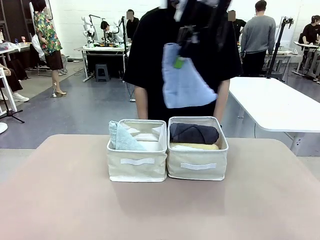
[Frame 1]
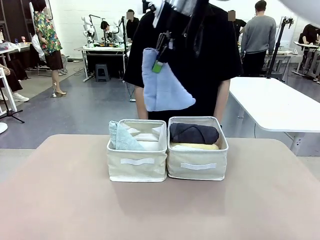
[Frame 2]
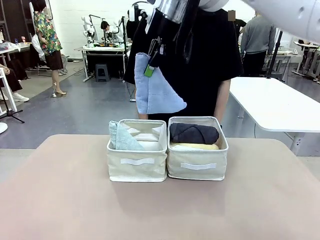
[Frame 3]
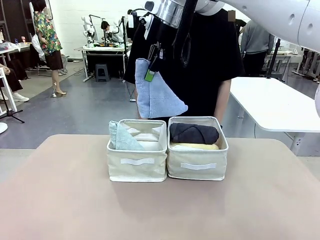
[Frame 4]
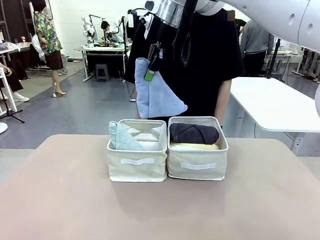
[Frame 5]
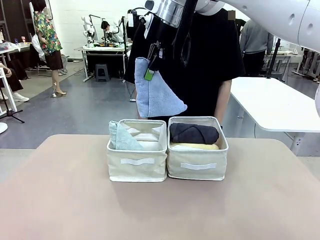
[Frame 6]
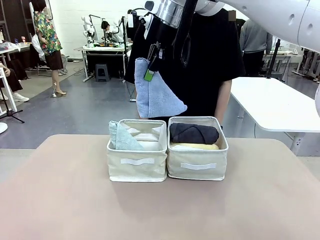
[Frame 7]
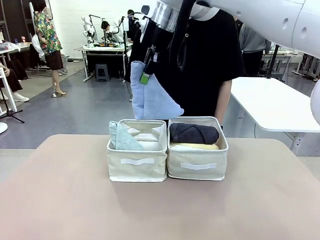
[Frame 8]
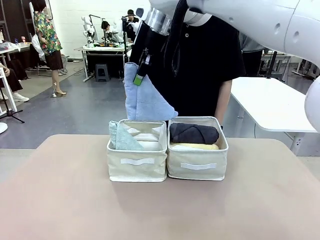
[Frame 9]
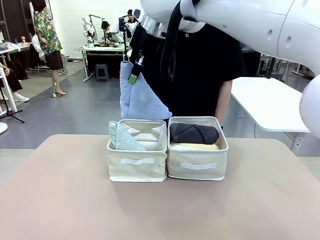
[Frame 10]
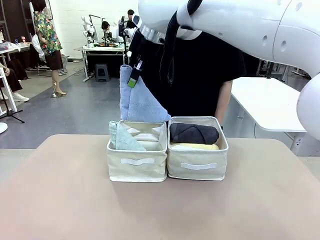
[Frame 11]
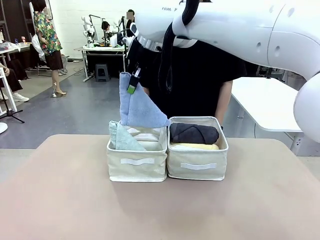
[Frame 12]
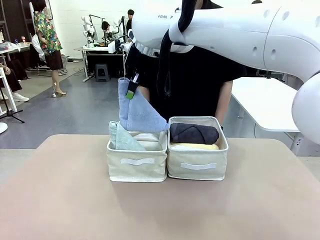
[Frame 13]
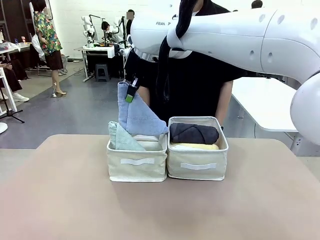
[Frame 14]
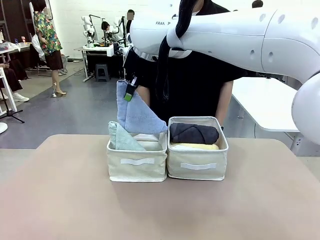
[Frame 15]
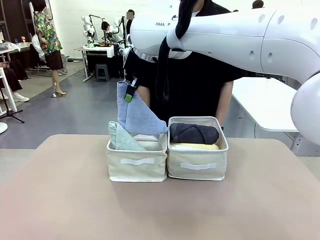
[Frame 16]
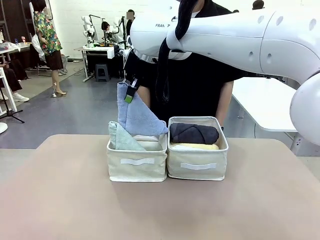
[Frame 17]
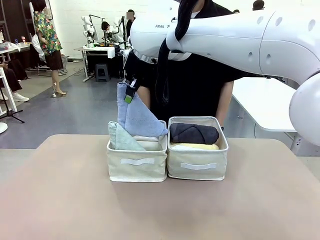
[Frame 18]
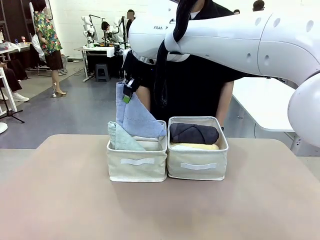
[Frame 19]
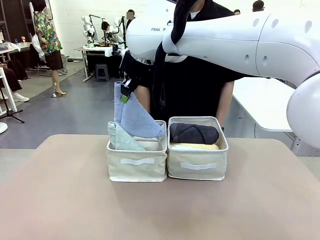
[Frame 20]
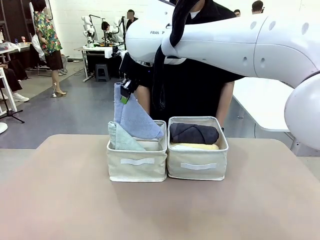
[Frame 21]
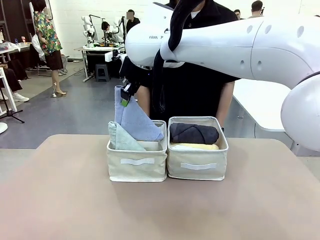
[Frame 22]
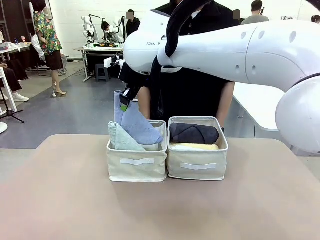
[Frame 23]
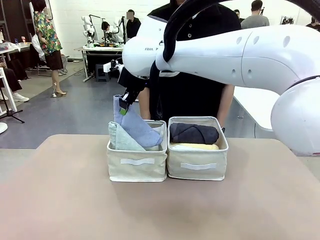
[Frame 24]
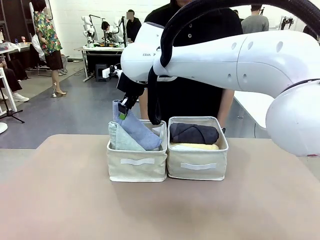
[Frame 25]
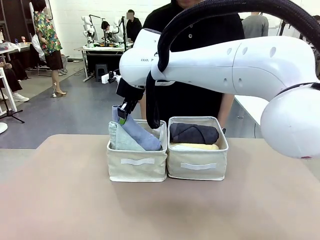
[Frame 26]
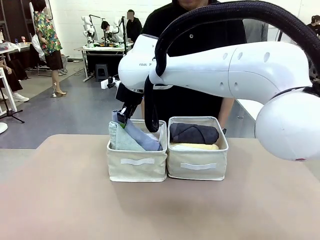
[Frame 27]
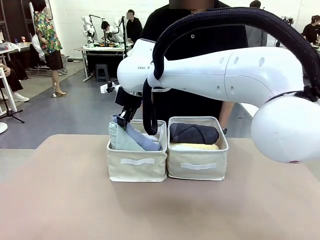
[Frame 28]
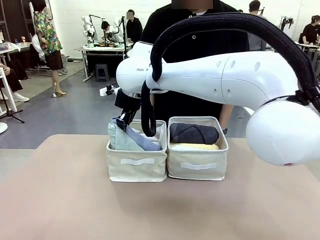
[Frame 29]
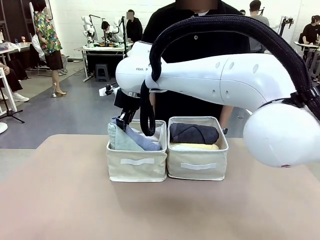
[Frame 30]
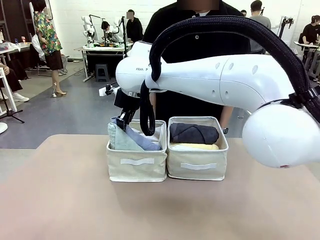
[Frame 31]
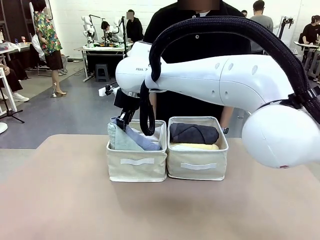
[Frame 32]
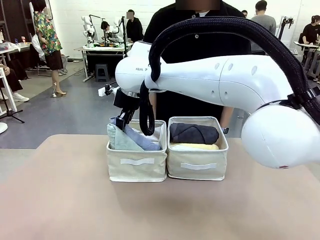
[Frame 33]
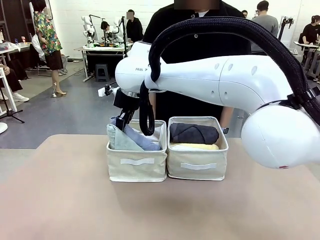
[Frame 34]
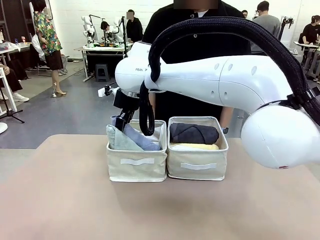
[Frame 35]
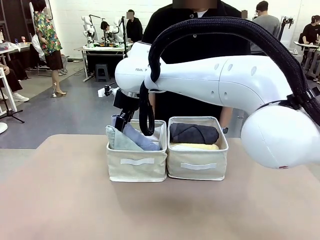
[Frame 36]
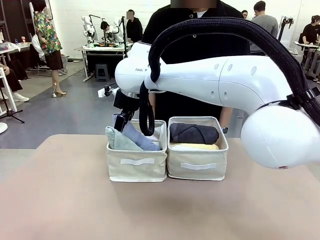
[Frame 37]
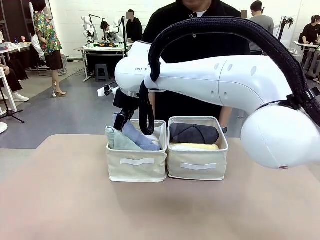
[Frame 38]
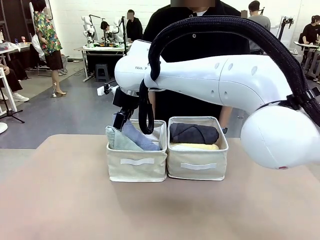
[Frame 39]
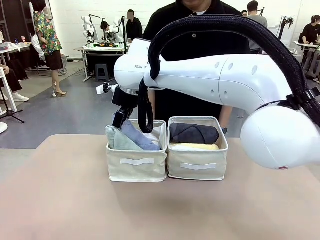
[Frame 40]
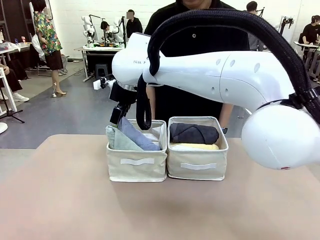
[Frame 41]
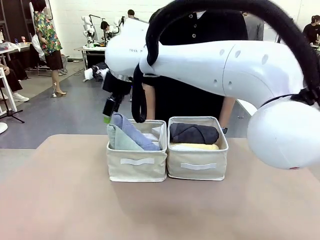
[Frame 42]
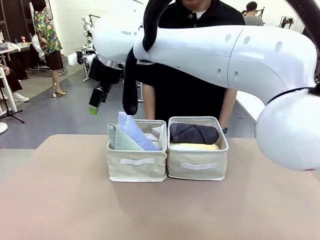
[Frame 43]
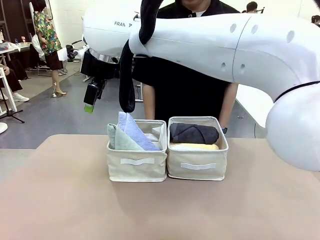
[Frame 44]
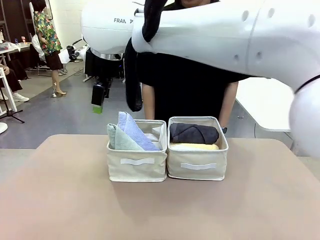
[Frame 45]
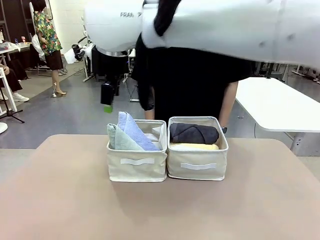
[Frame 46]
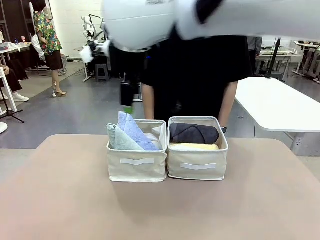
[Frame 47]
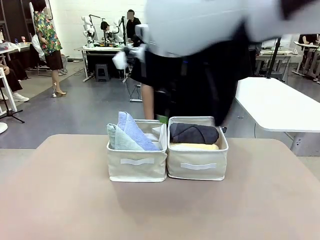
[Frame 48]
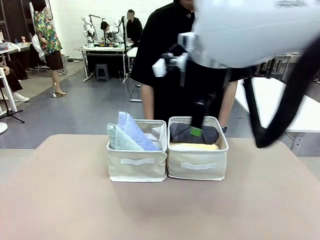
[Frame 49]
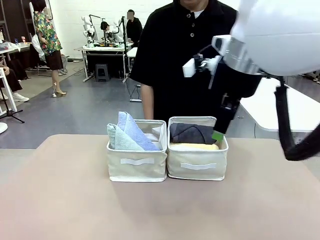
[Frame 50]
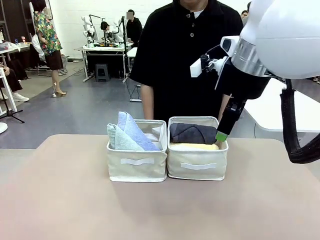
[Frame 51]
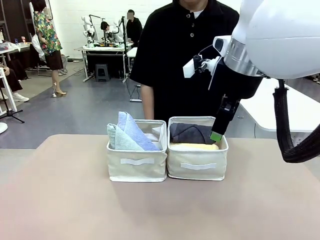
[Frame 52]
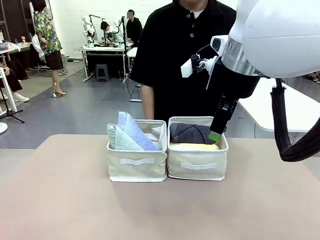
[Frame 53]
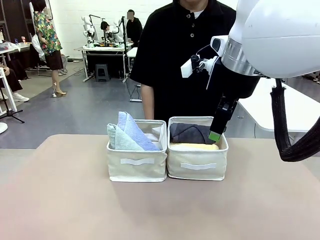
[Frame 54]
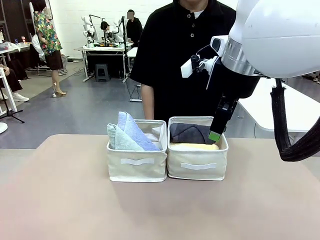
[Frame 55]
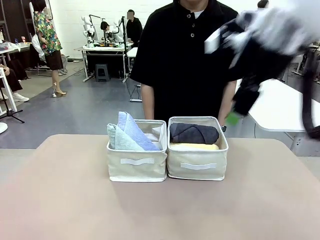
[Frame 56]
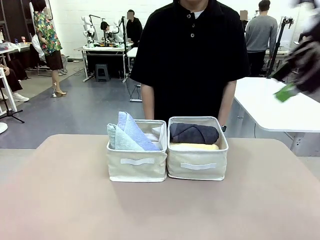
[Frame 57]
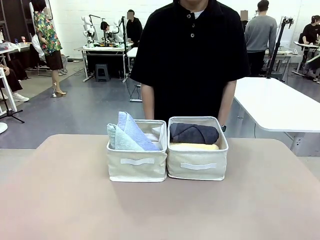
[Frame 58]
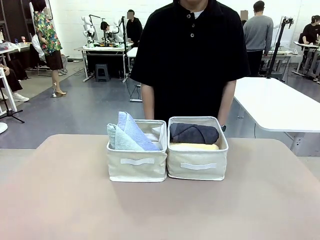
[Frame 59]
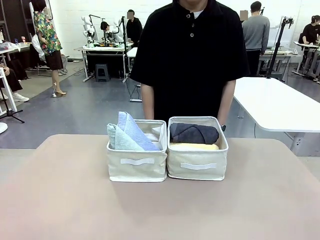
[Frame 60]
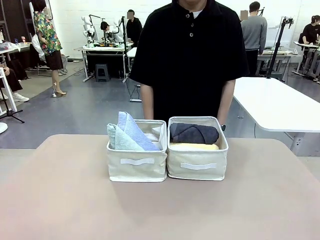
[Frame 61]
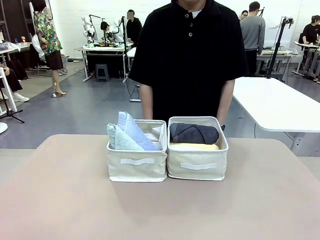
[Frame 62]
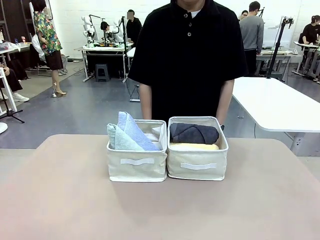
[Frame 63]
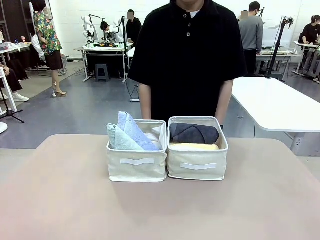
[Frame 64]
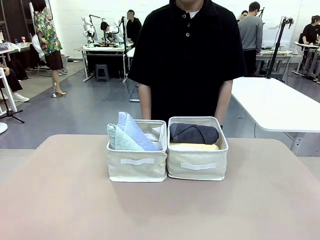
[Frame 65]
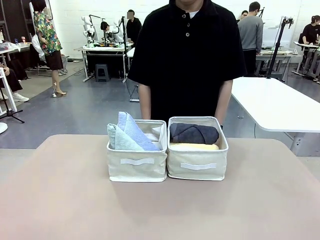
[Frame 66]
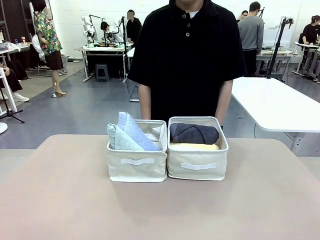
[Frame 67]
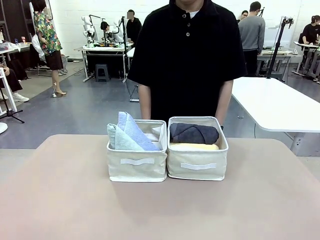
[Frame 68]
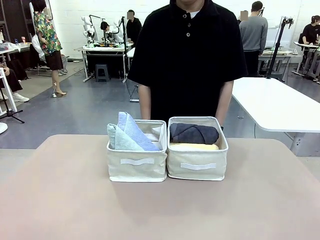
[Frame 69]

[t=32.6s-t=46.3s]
Task: Sort the towels based on their folding style.
Robot: Pick up another triangle-folded towel from the table and place it in the left Fabric basket.
